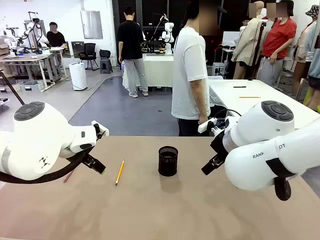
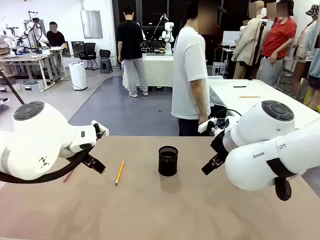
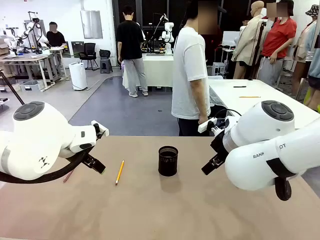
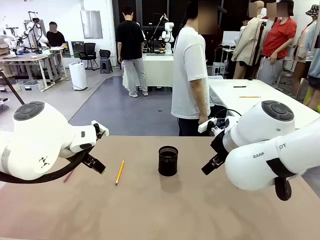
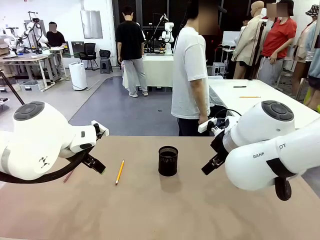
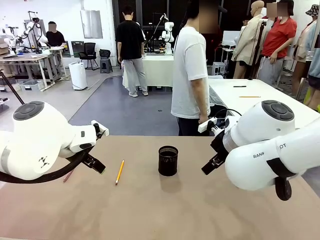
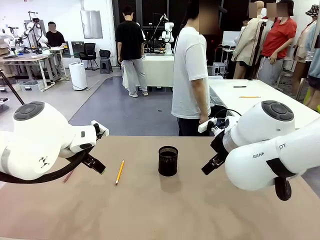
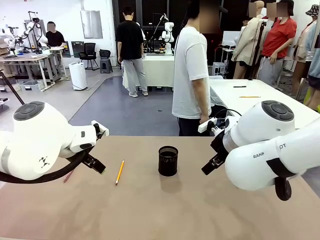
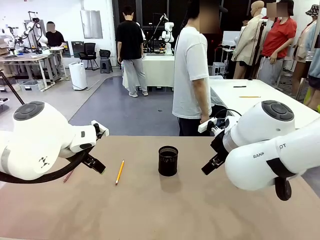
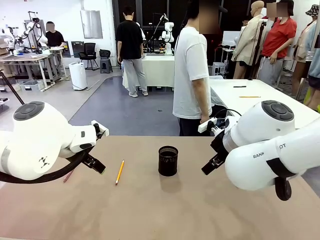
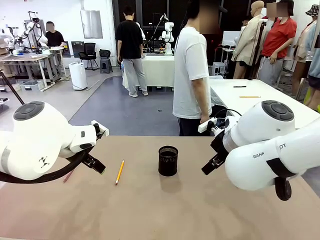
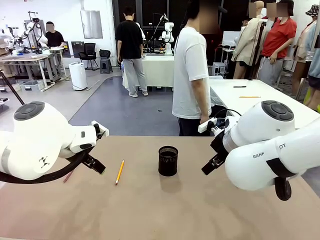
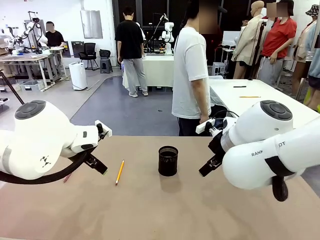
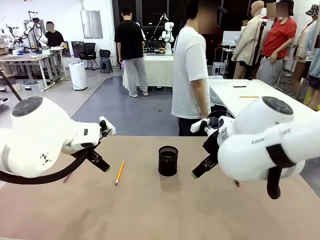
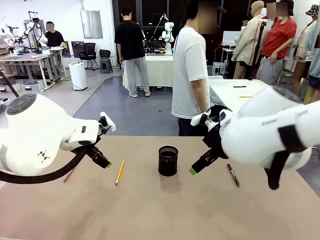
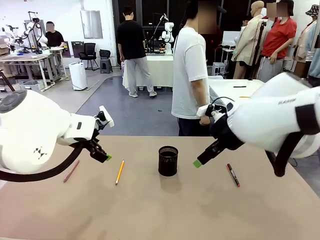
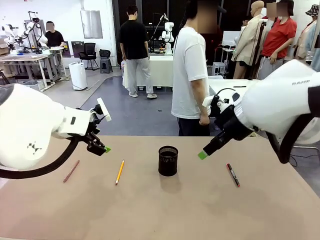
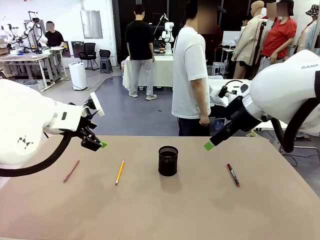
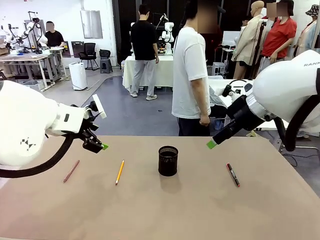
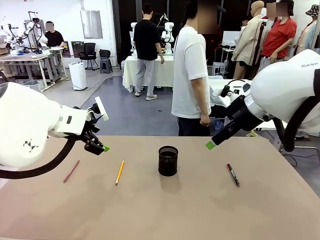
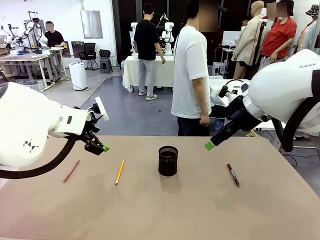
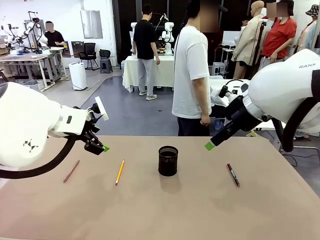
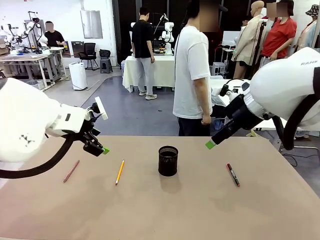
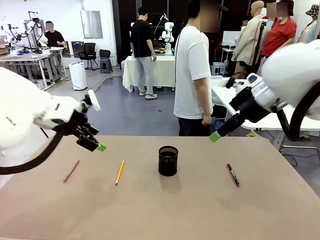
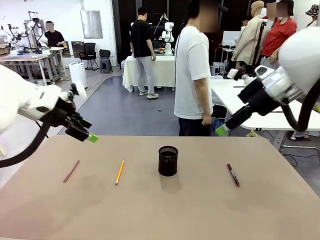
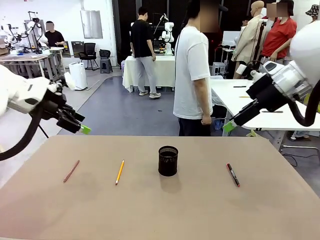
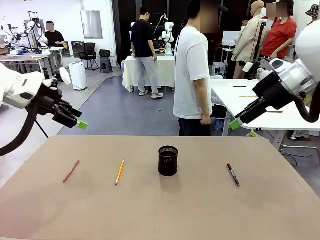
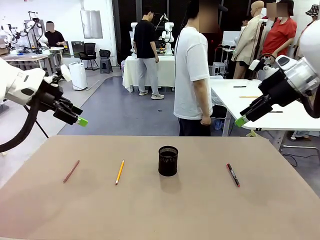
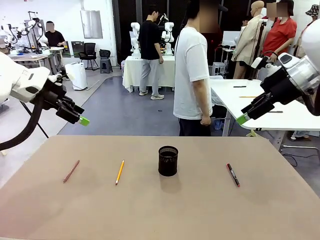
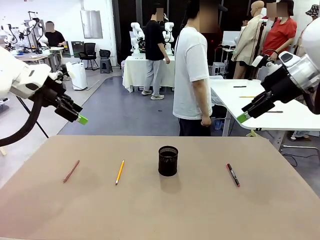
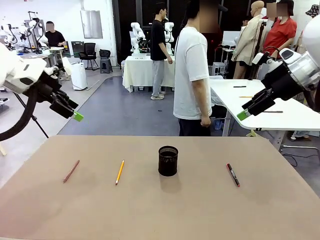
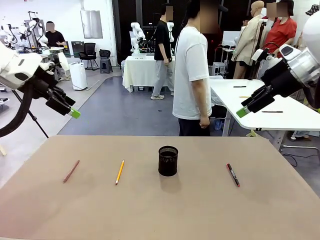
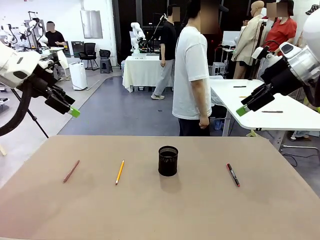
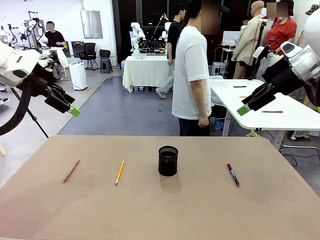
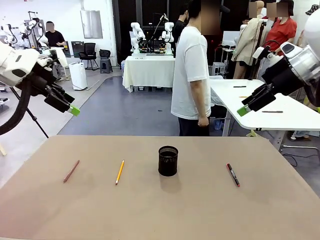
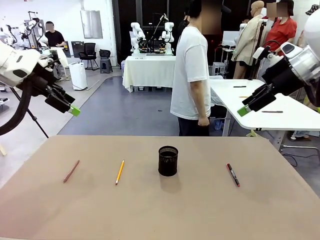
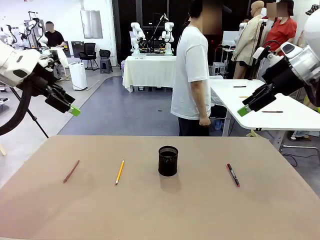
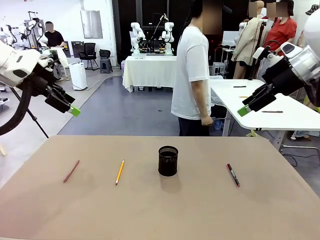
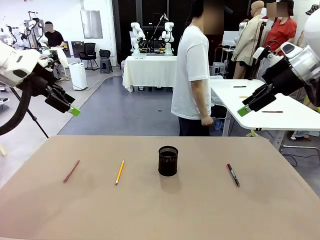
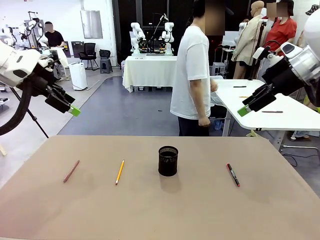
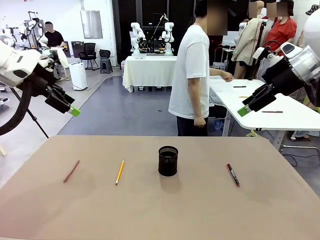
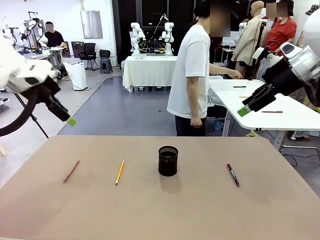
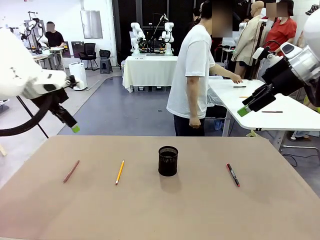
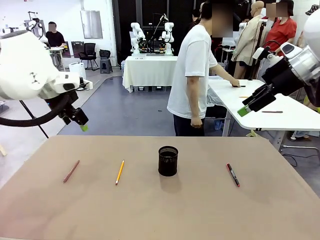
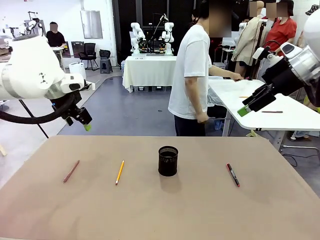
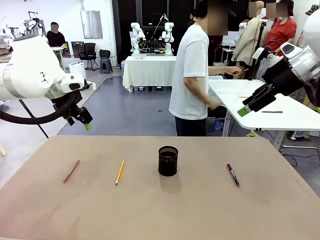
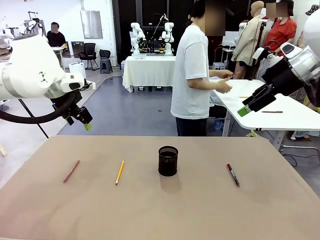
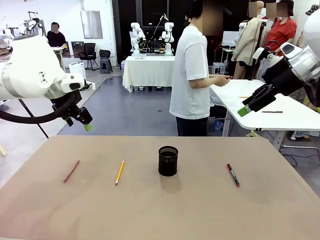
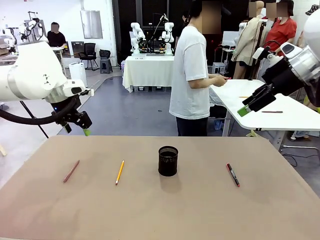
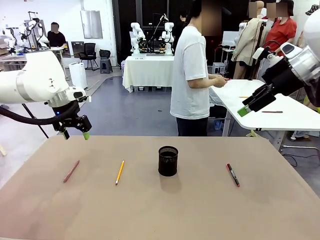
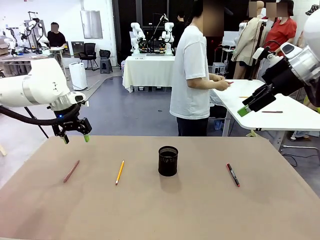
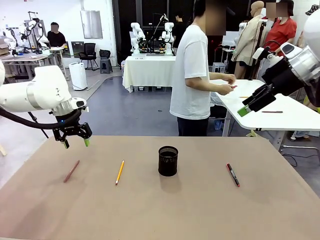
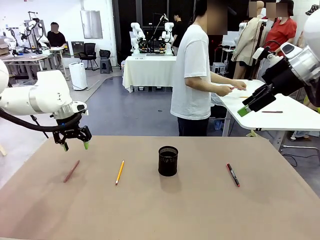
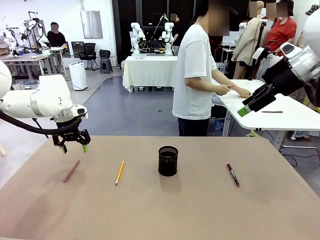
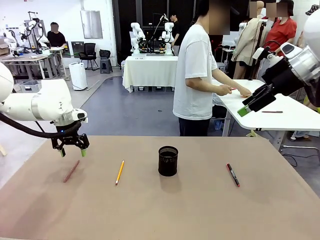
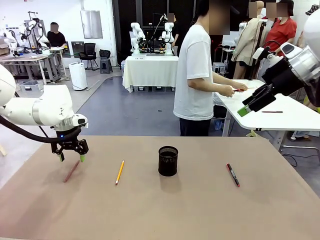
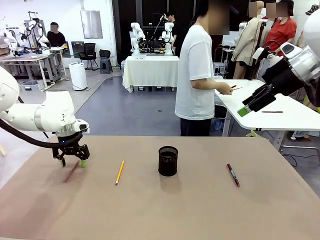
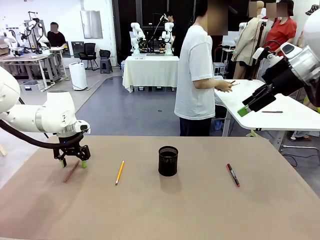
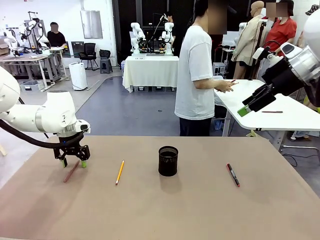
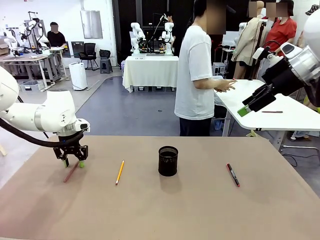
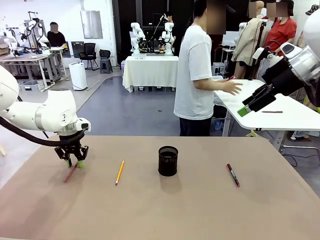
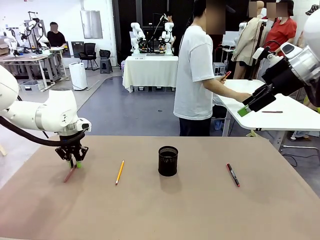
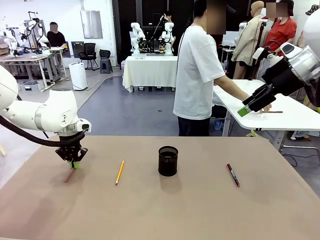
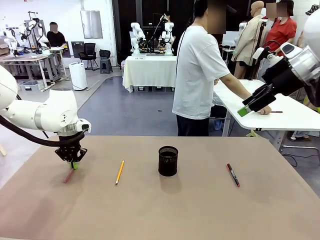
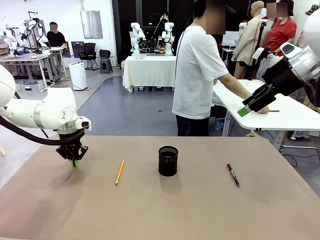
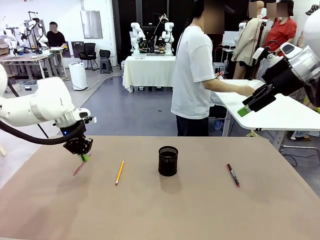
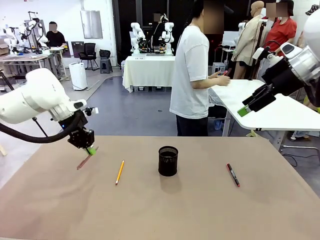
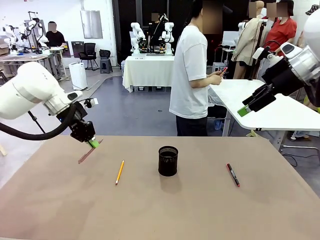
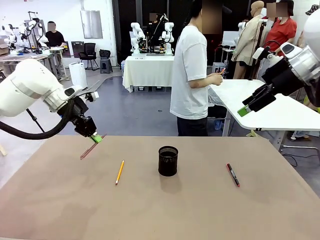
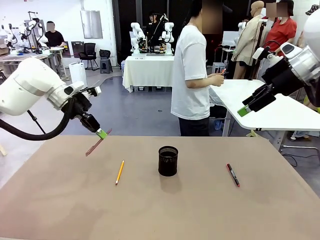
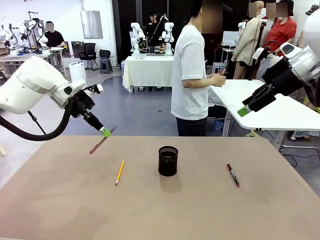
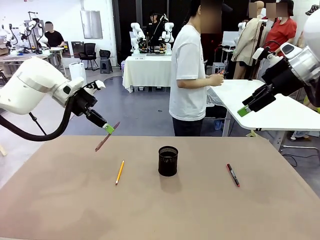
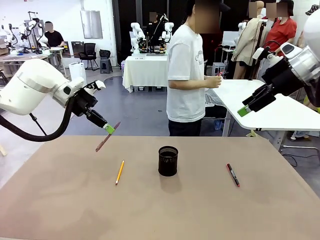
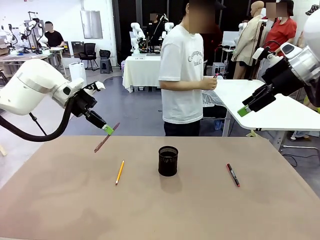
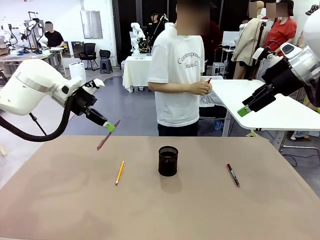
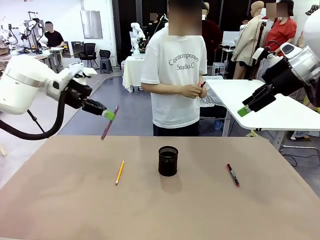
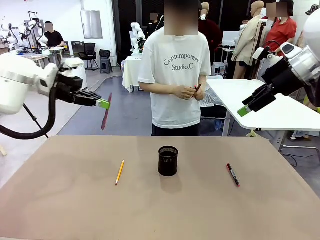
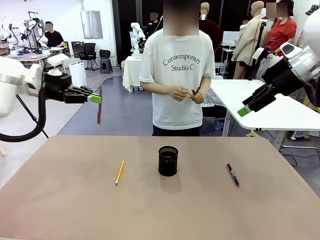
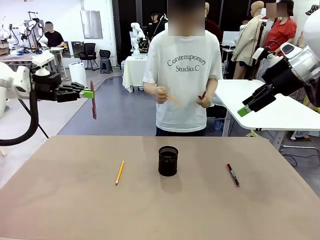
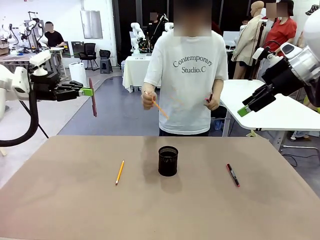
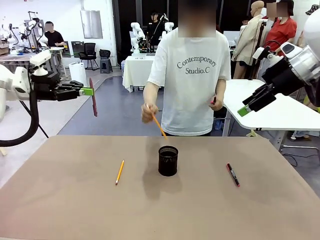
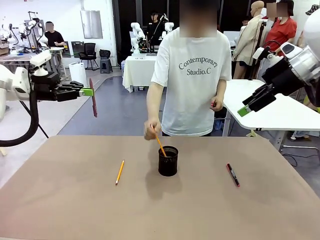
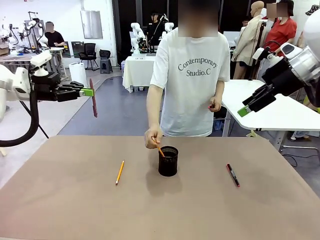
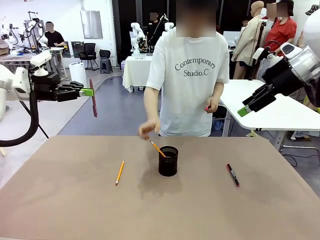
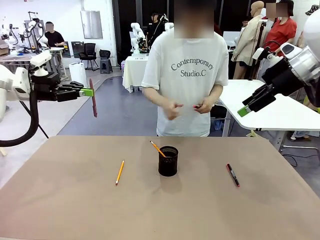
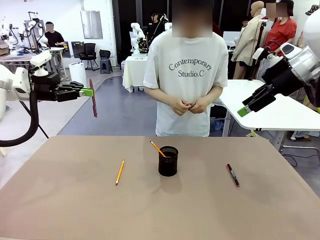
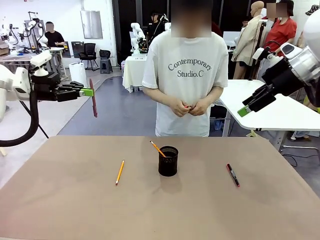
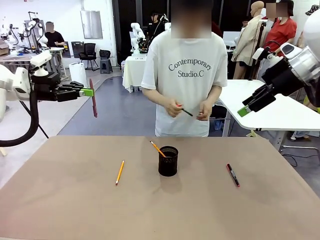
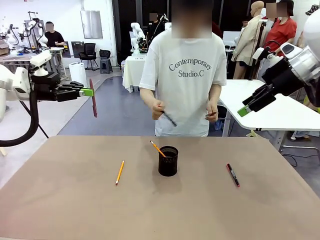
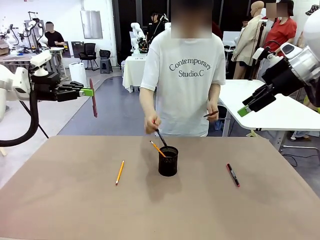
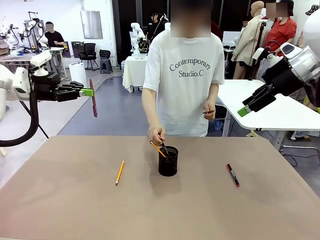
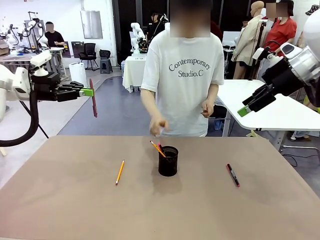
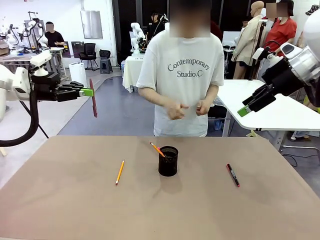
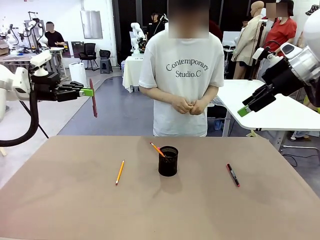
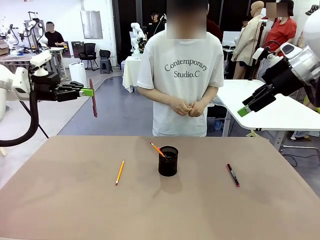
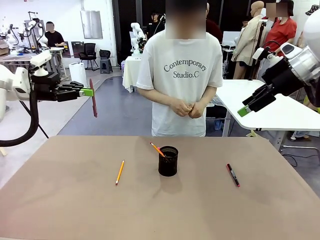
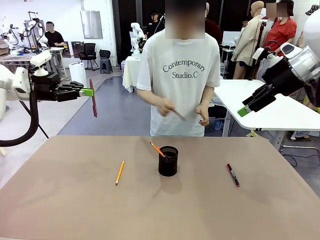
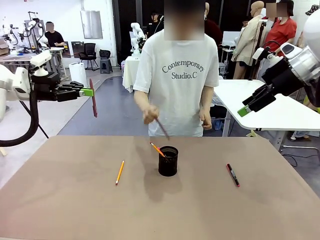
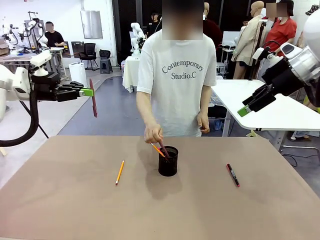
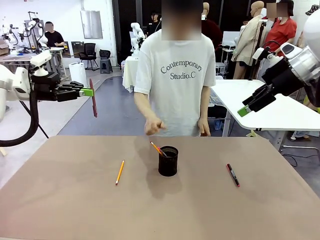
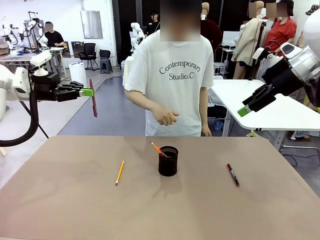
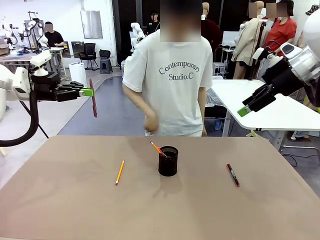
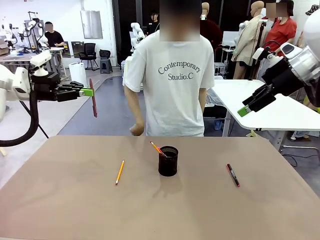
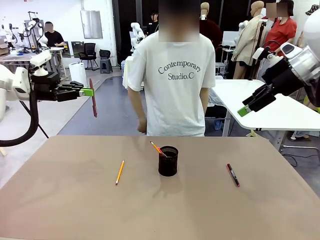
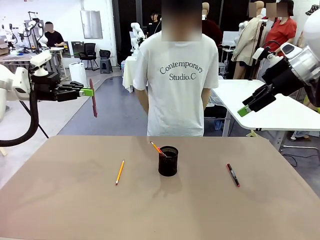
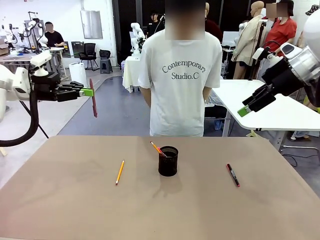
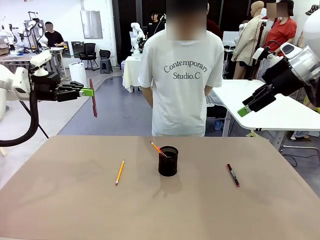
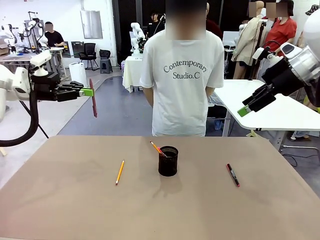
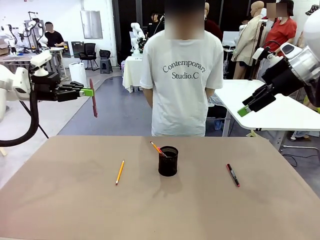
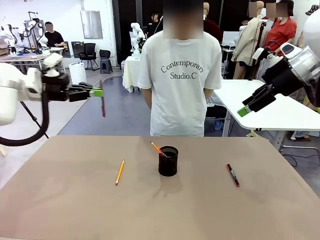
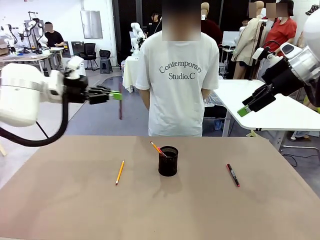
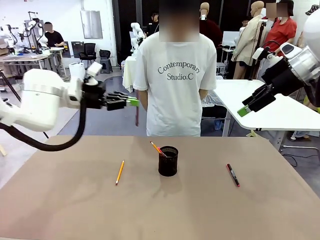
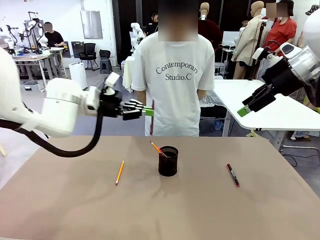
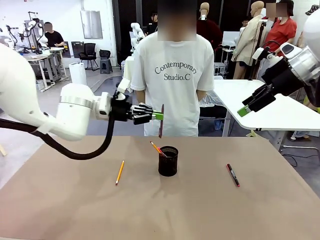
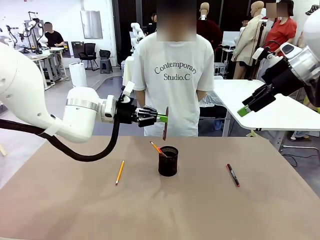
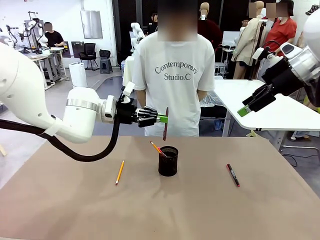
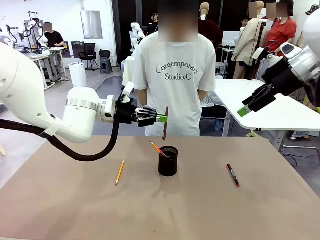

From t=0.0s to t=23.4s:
Task: Place the pens into the pen holder.
Robot: Pick up a writing instrument from the table and place it into the Pen holder.
Person: Pick up all writing instruments from the Human table.
